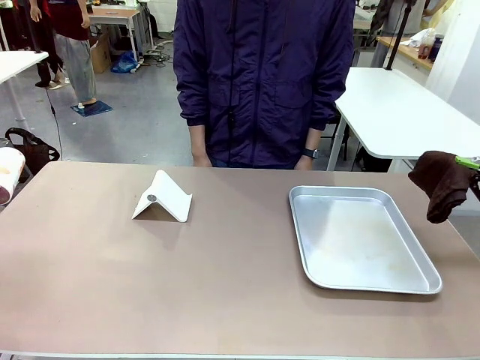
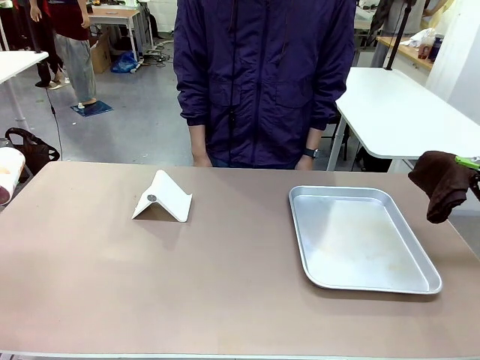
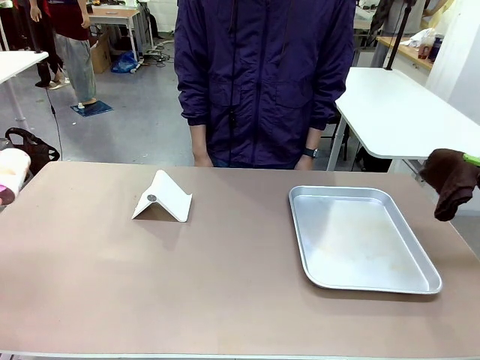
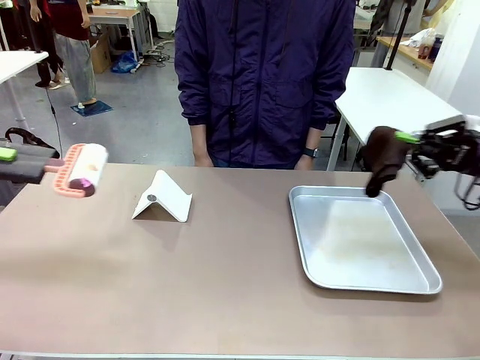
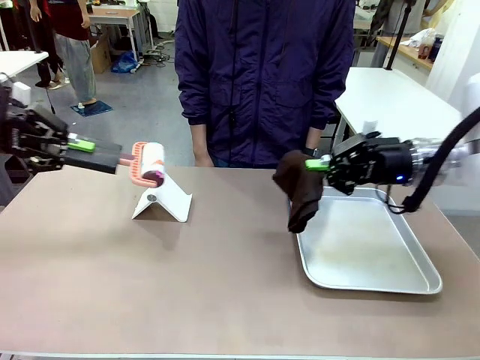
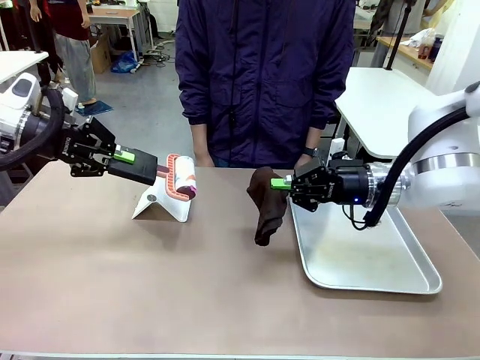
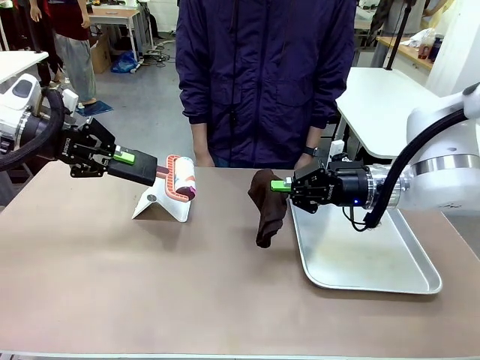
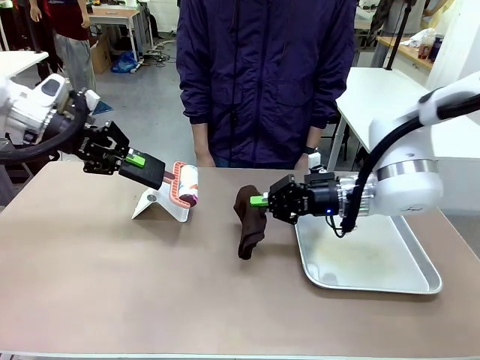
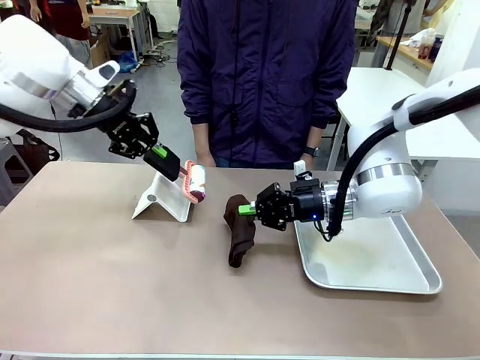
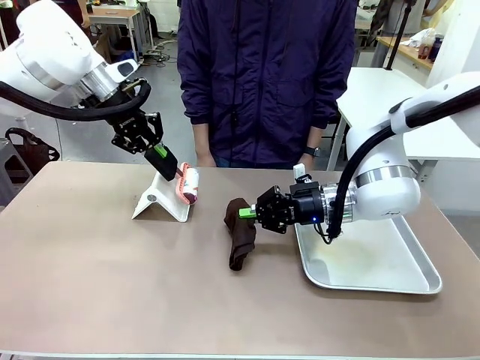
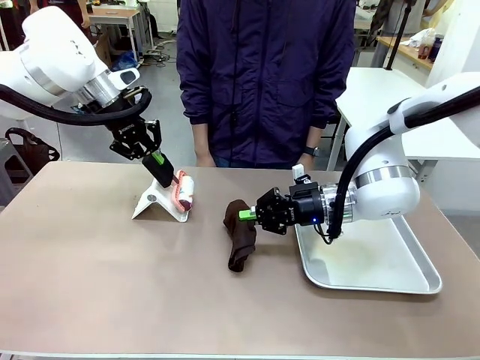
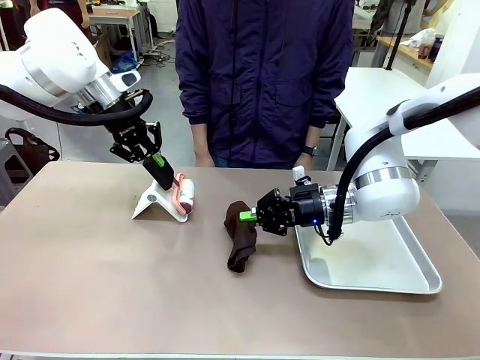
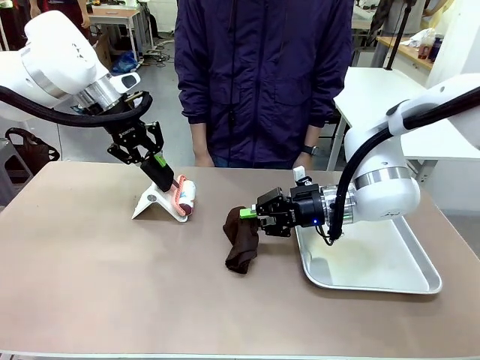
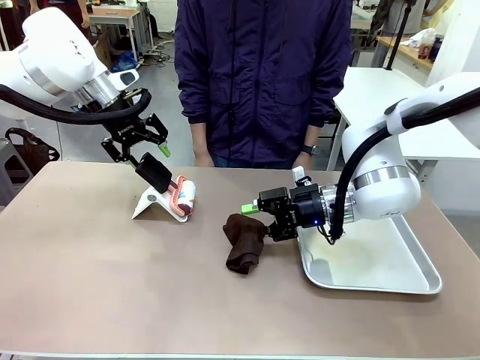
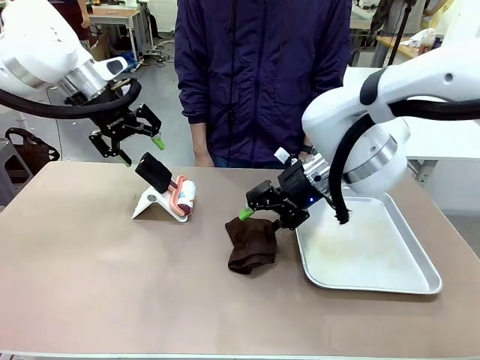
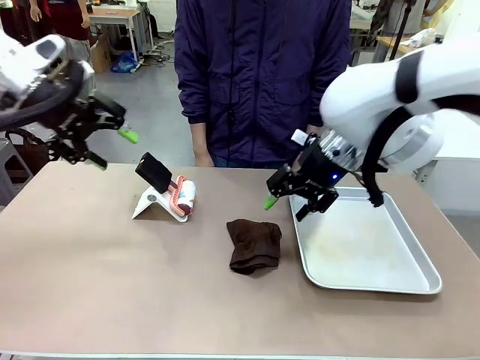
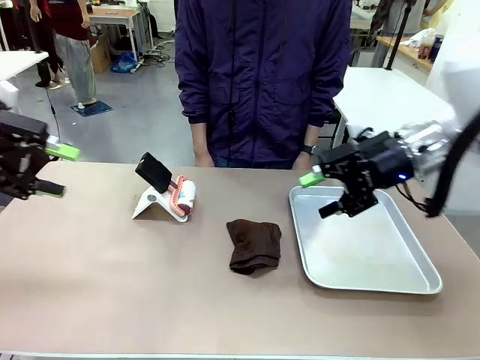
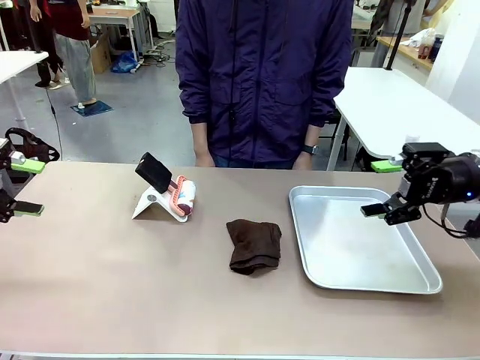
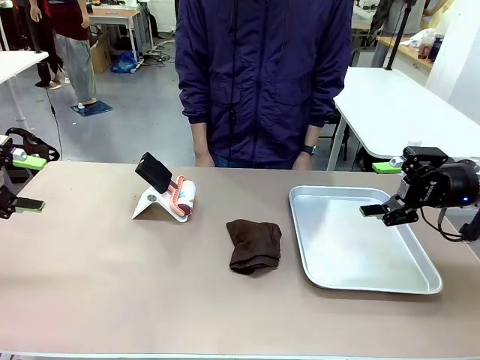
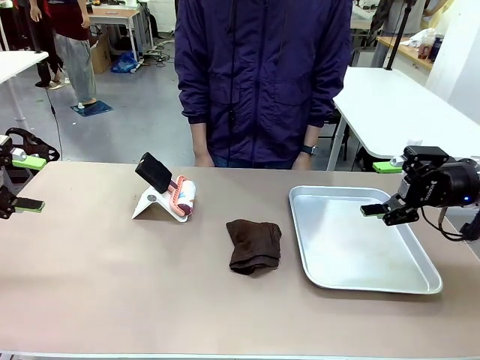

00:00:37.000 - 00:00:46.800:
Task: Clean the surface of the table.
Robot: Return the Lint Roller and towel to their original positions.

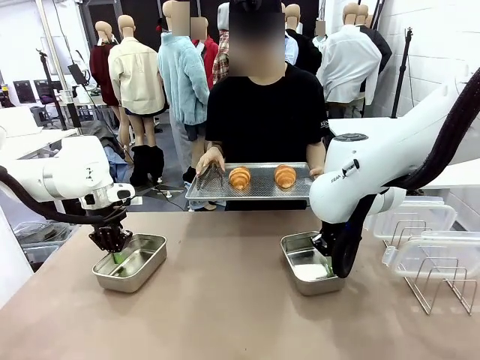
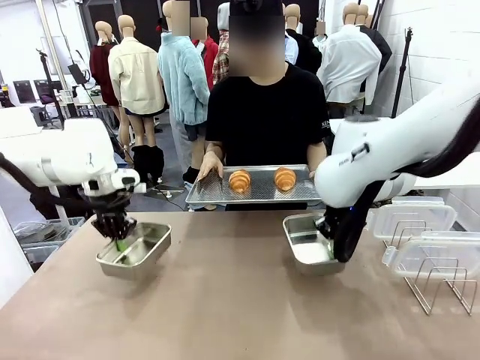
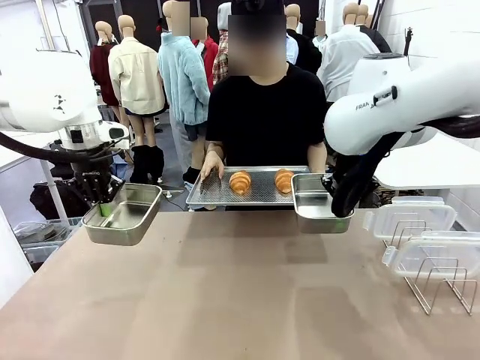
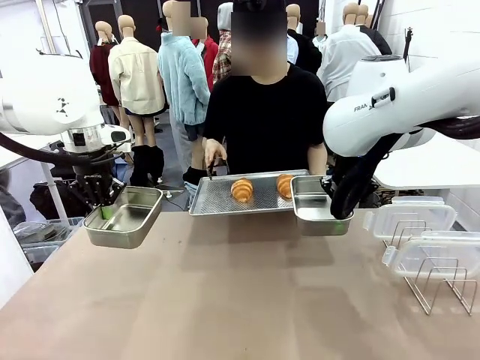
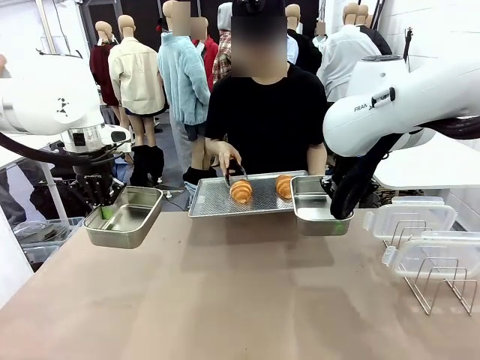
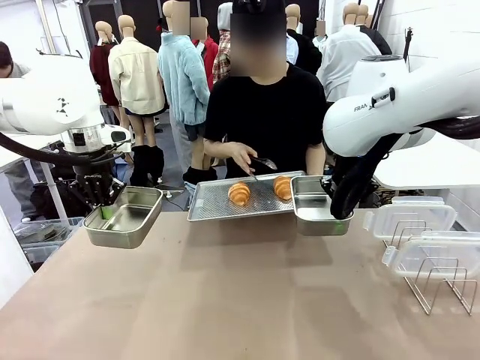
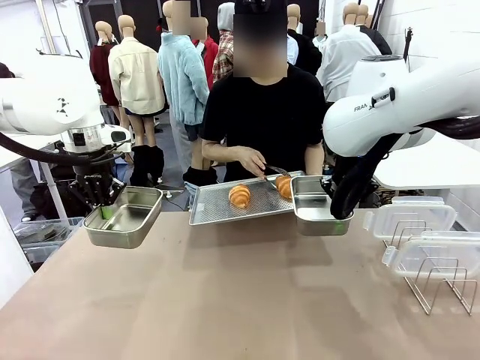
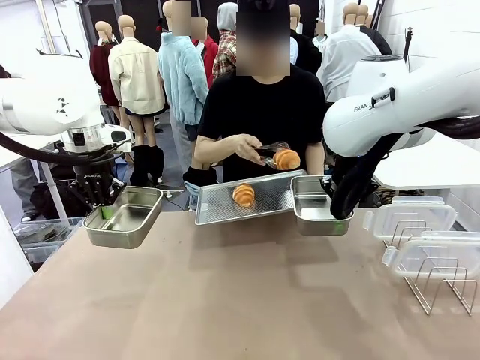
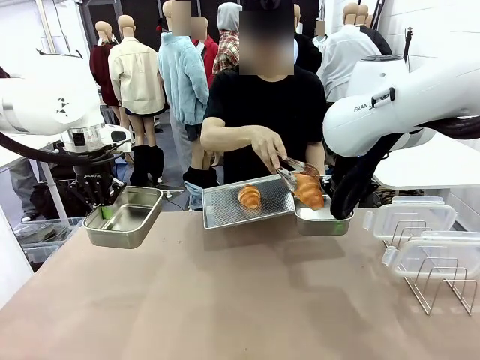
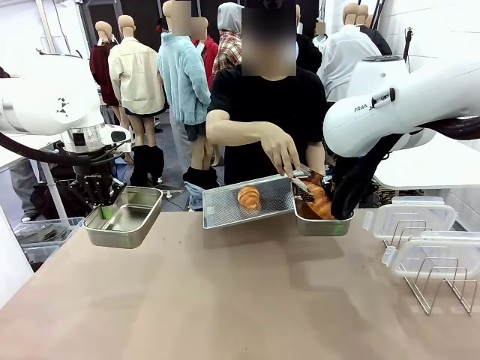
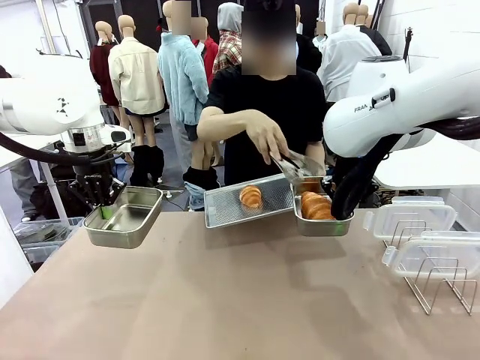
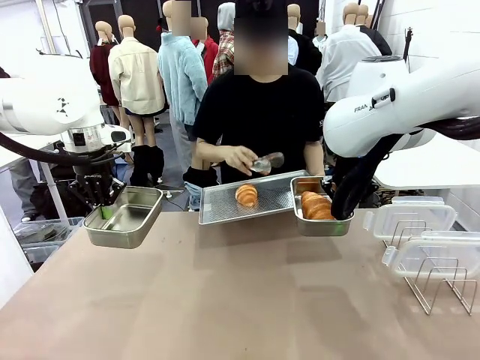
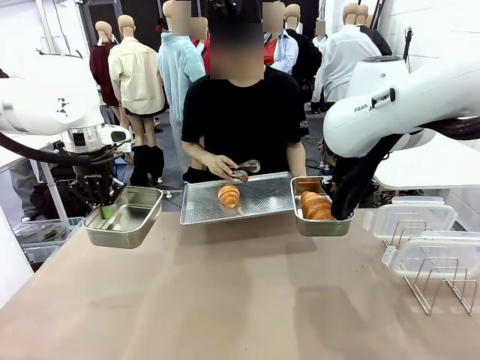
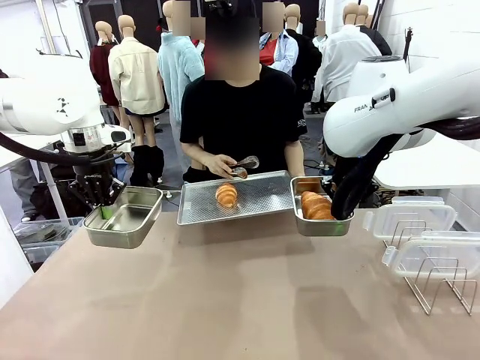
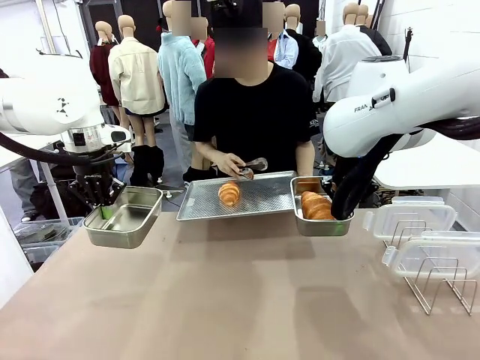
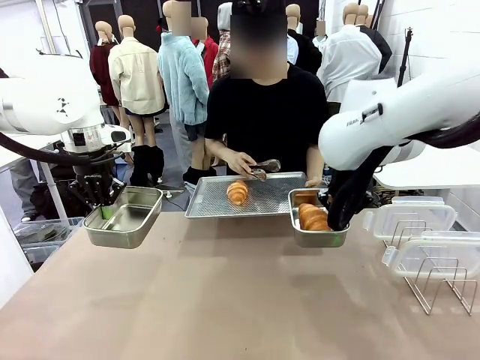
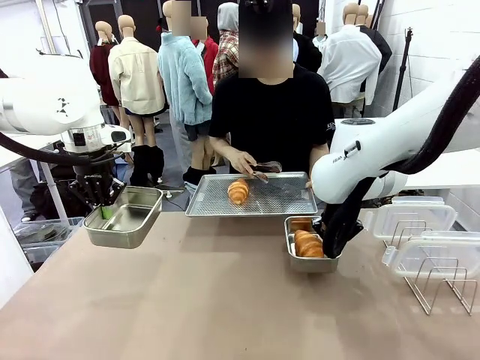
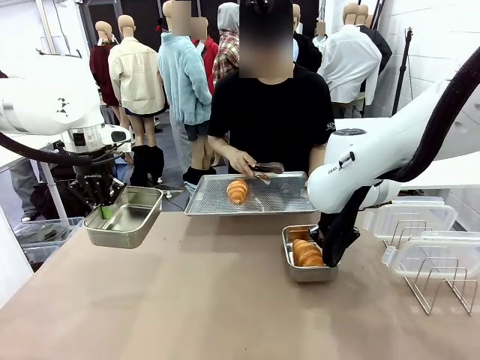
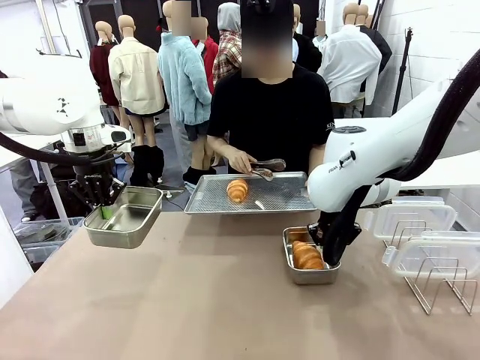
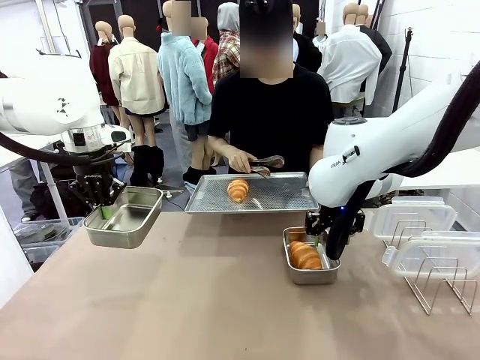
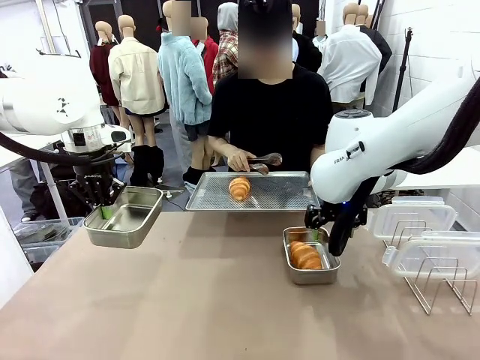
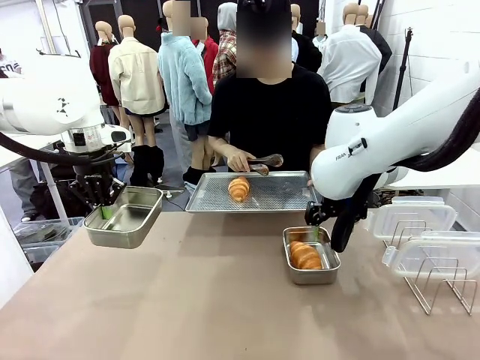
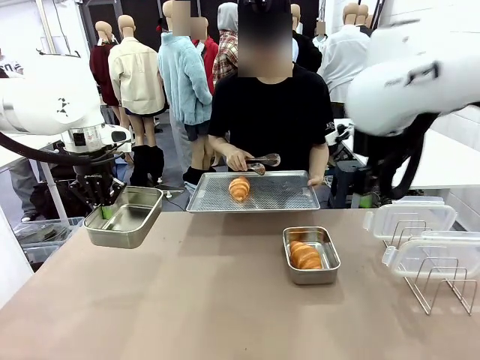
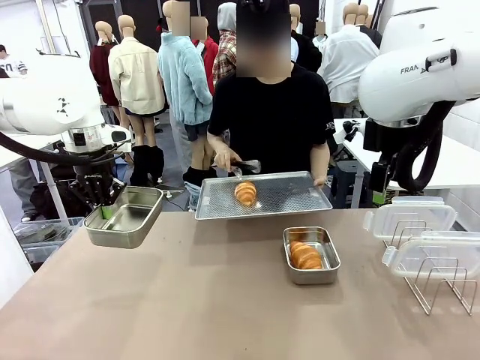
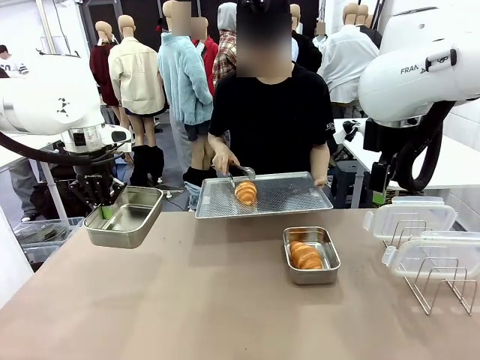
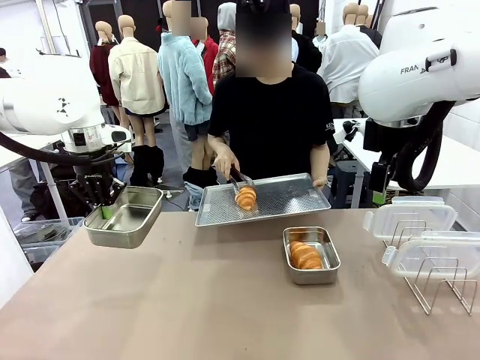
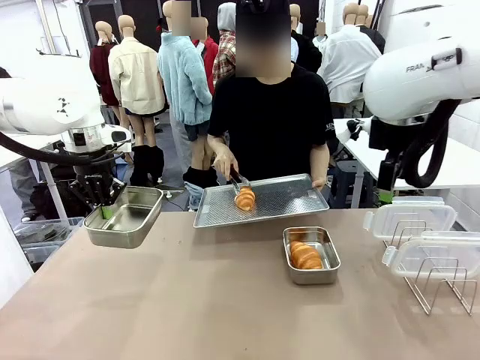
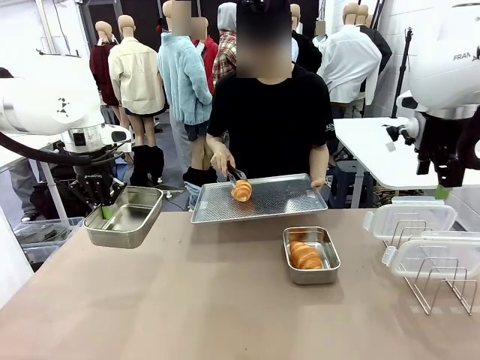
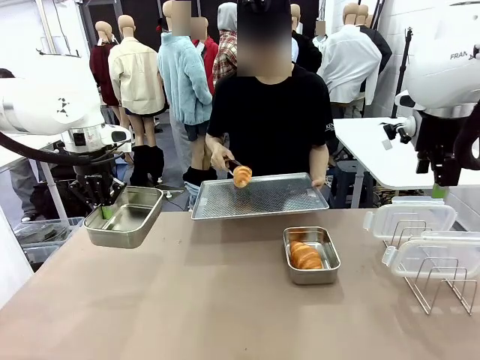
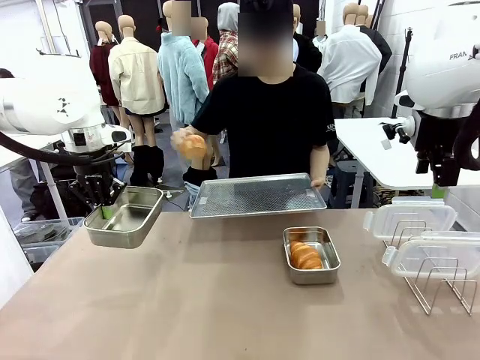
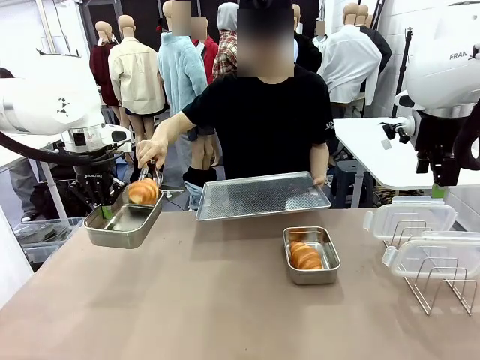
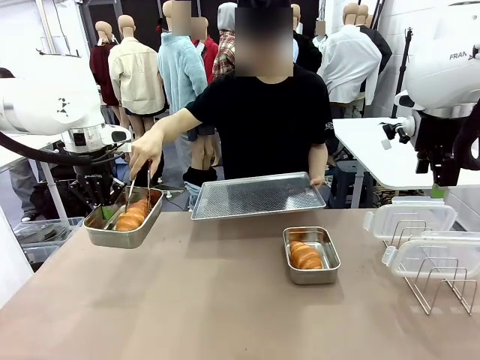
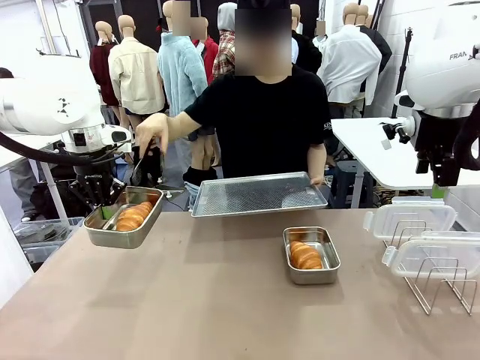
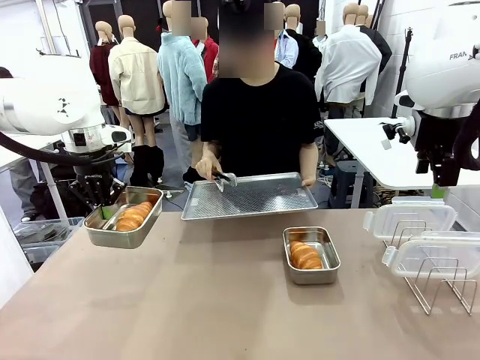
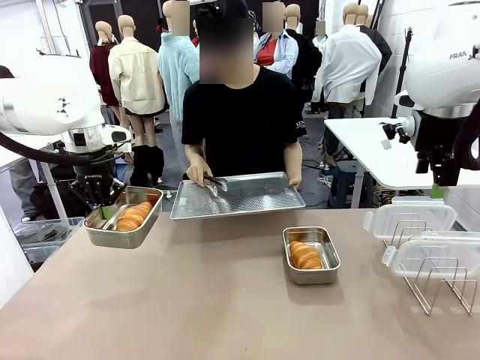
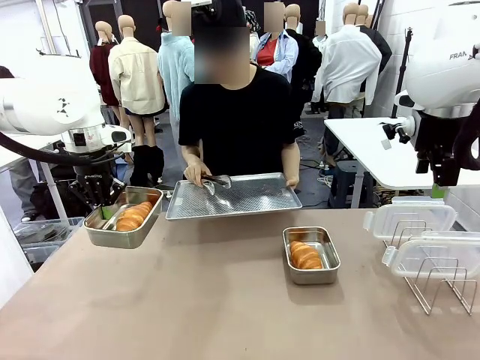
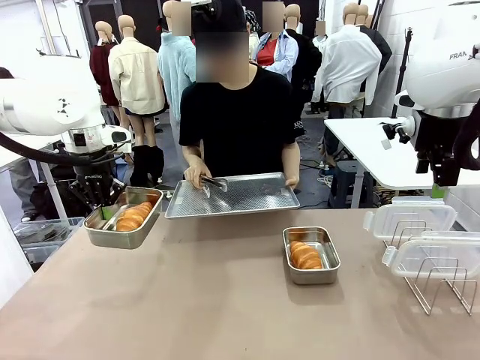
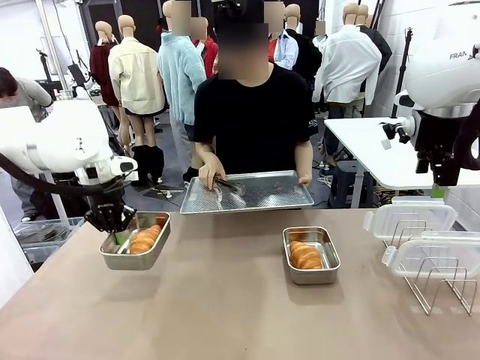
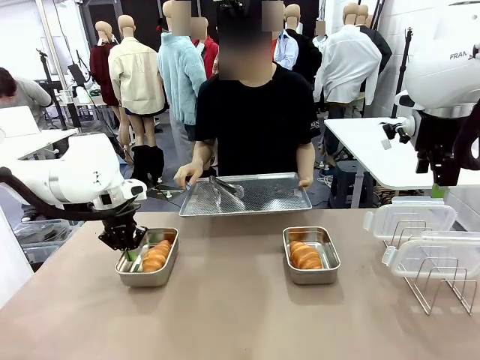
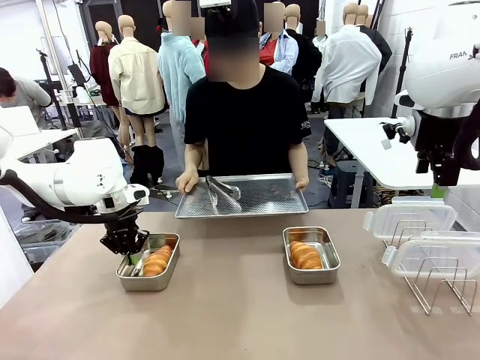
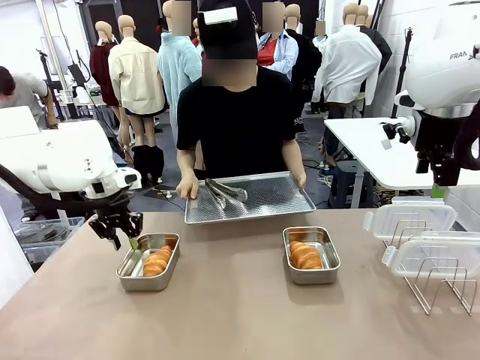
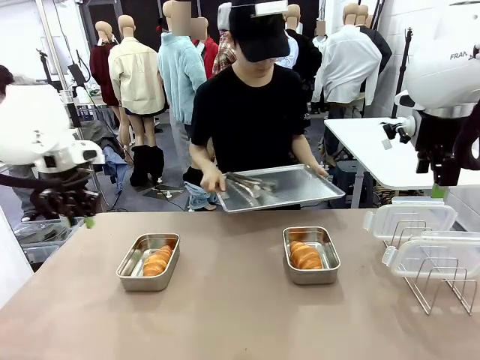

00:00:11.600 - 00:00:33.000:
Task: Place the bread in airtight containers.
Robot: Once an object is inside an Airtight Container , place the container in the center of the table.
Person: Use the Stainless steel tongs to place one object from Baking Sheet into one Airtight Container.
